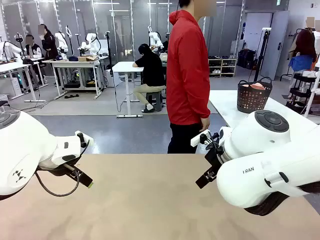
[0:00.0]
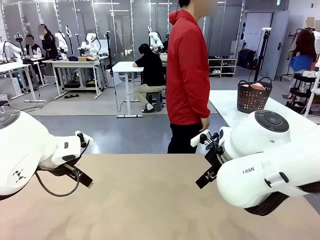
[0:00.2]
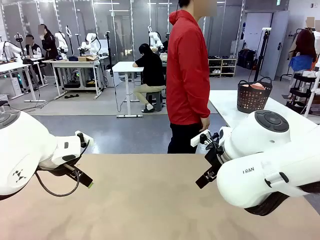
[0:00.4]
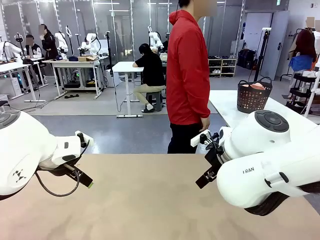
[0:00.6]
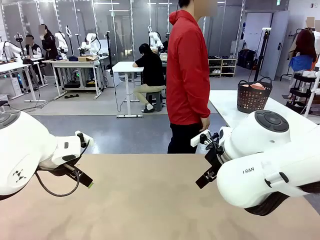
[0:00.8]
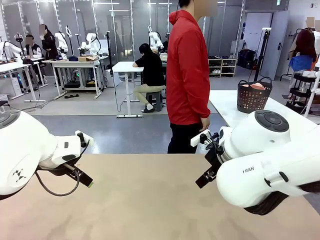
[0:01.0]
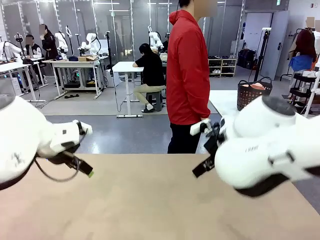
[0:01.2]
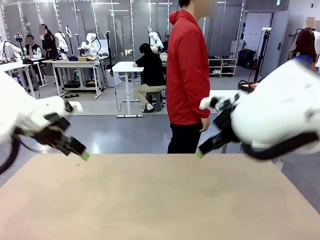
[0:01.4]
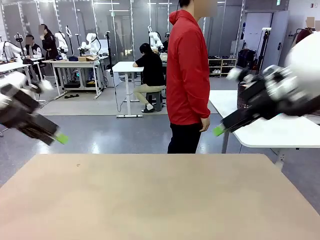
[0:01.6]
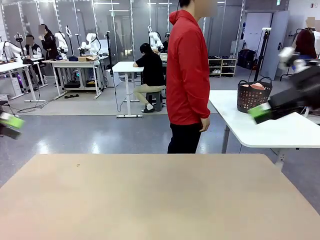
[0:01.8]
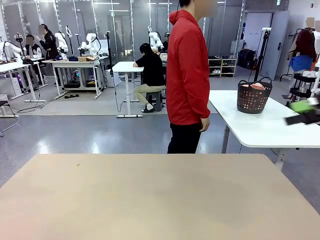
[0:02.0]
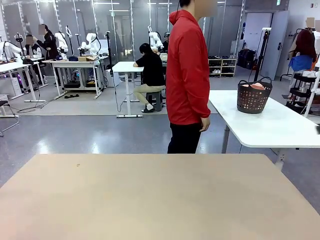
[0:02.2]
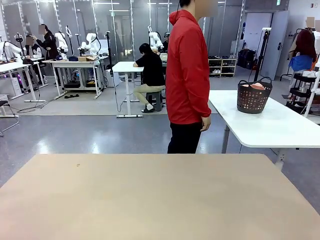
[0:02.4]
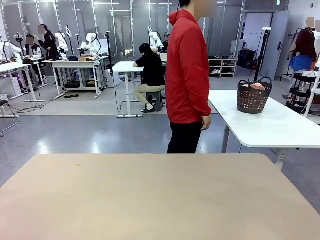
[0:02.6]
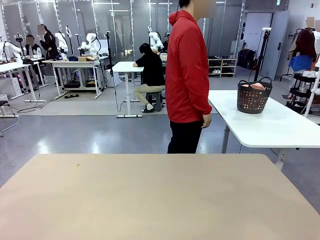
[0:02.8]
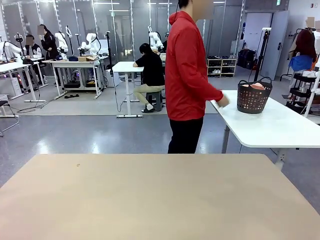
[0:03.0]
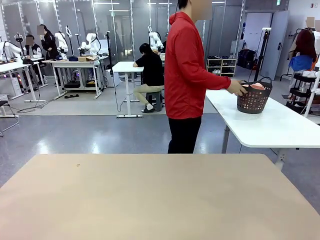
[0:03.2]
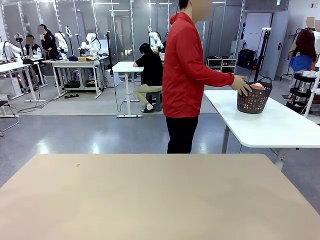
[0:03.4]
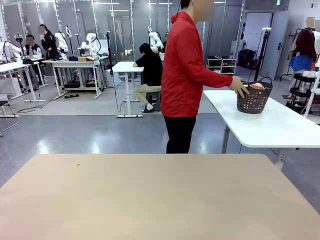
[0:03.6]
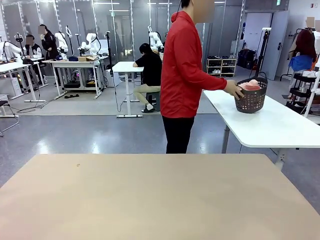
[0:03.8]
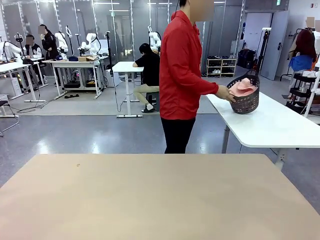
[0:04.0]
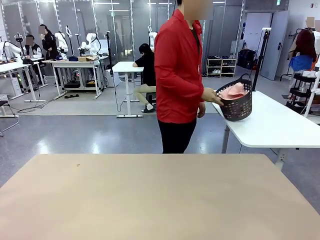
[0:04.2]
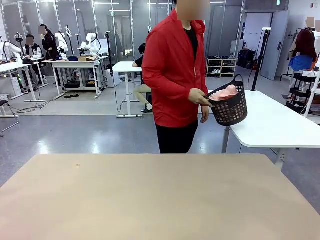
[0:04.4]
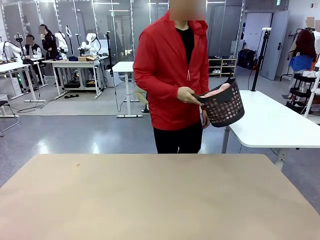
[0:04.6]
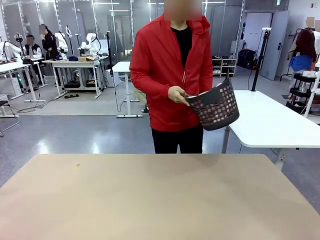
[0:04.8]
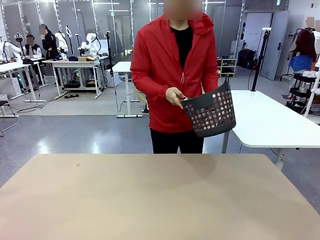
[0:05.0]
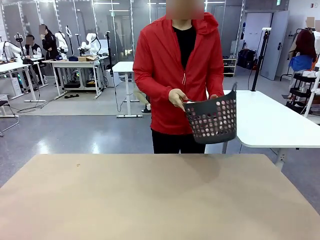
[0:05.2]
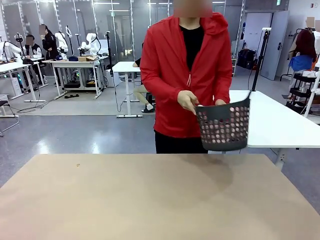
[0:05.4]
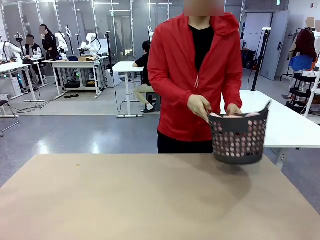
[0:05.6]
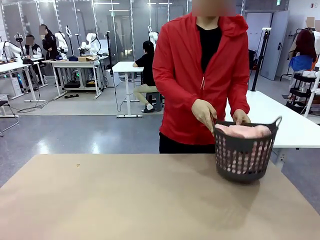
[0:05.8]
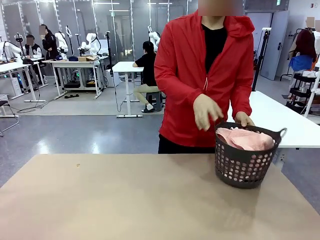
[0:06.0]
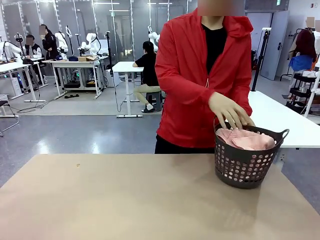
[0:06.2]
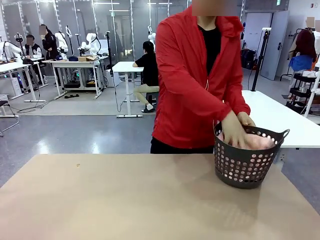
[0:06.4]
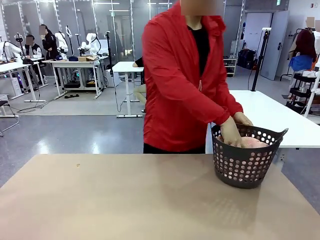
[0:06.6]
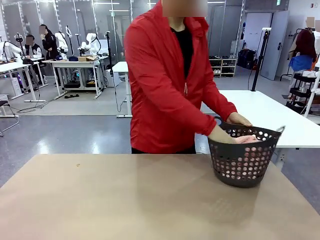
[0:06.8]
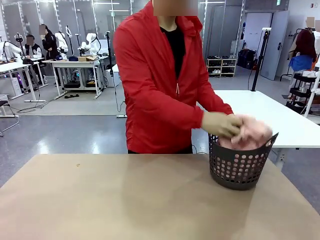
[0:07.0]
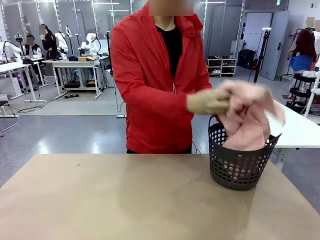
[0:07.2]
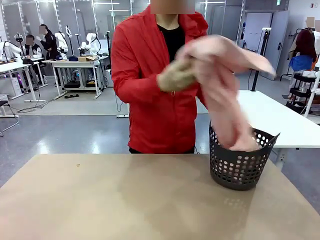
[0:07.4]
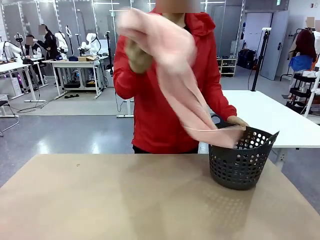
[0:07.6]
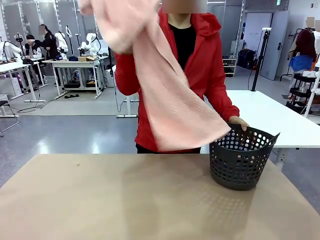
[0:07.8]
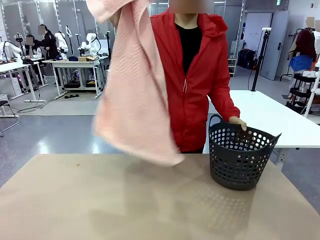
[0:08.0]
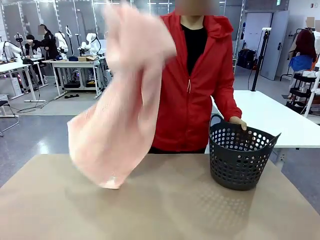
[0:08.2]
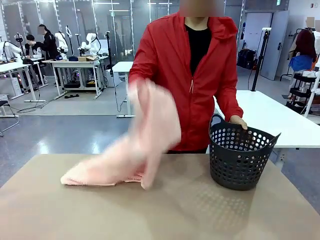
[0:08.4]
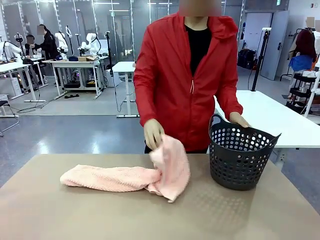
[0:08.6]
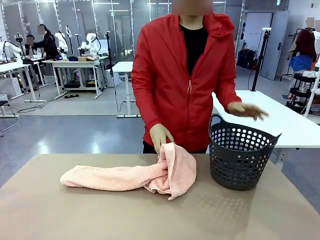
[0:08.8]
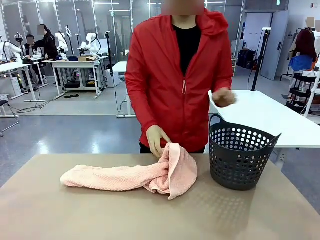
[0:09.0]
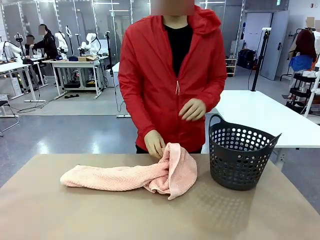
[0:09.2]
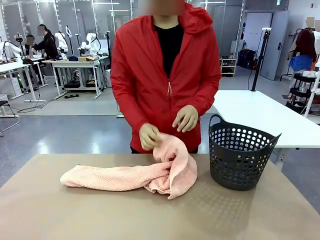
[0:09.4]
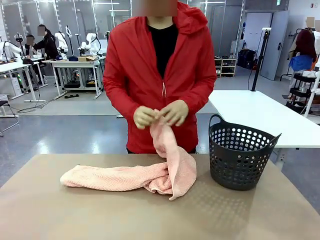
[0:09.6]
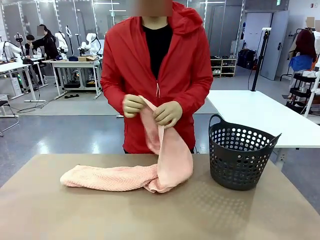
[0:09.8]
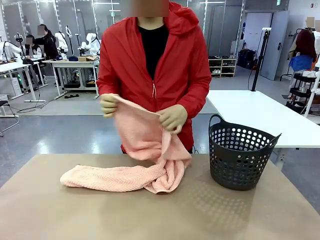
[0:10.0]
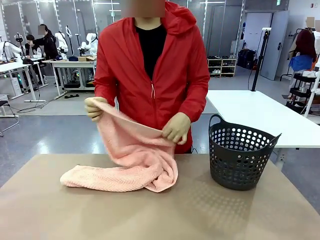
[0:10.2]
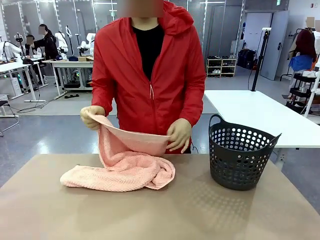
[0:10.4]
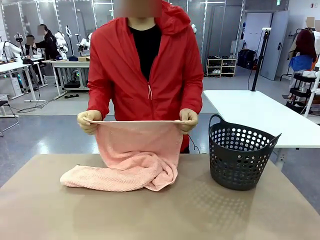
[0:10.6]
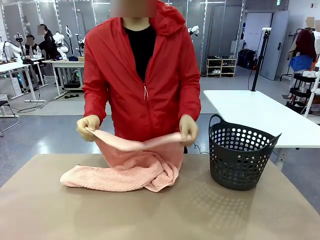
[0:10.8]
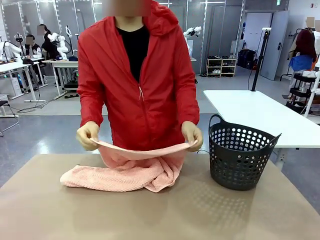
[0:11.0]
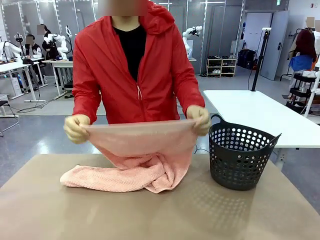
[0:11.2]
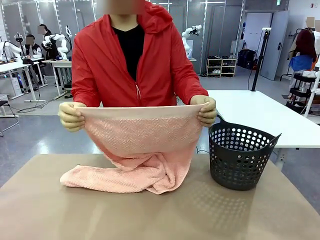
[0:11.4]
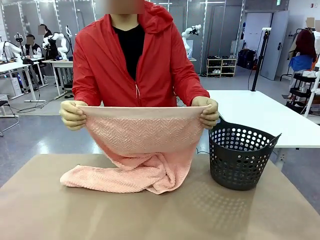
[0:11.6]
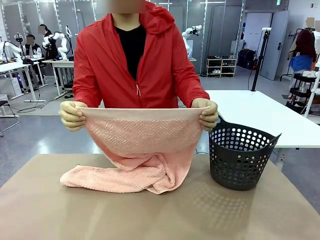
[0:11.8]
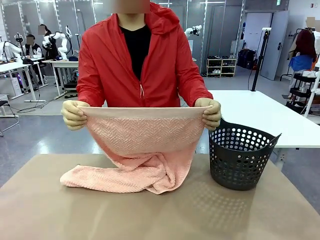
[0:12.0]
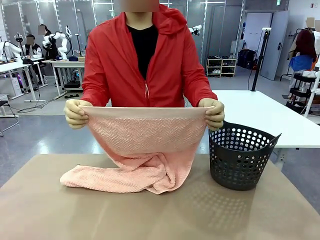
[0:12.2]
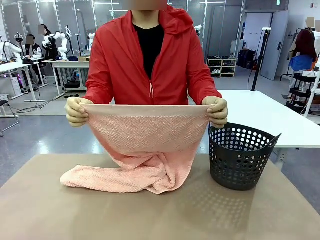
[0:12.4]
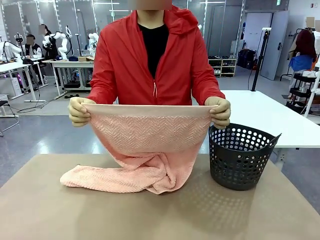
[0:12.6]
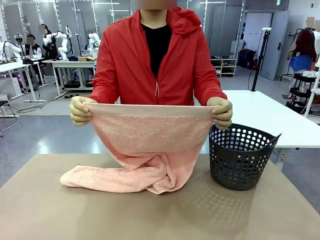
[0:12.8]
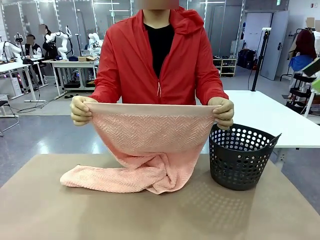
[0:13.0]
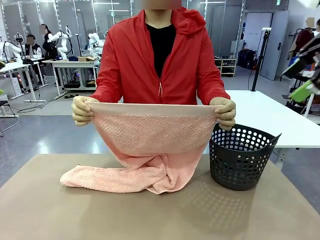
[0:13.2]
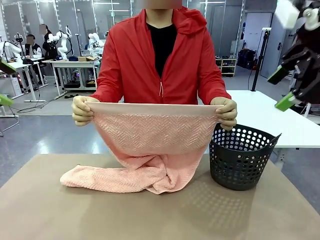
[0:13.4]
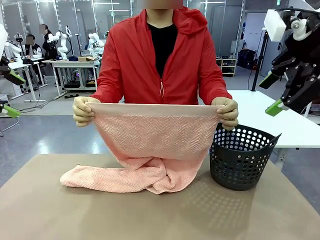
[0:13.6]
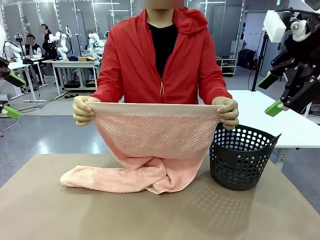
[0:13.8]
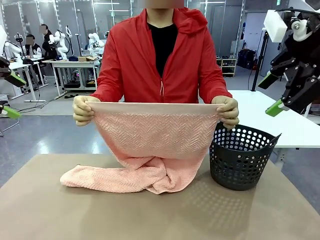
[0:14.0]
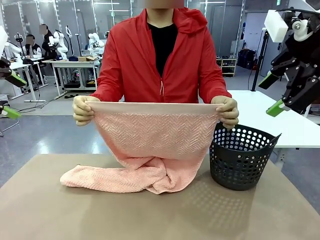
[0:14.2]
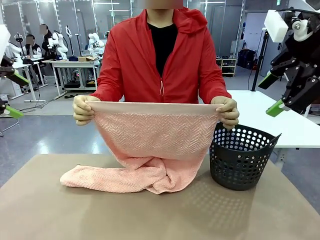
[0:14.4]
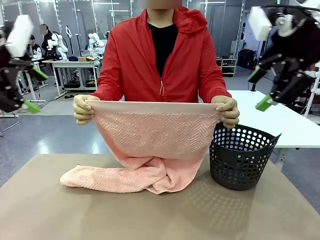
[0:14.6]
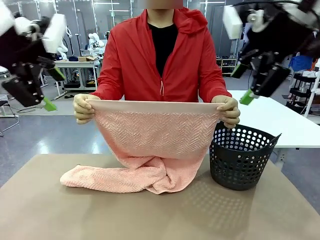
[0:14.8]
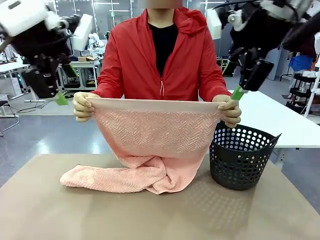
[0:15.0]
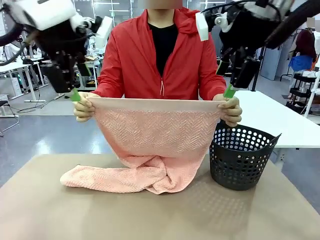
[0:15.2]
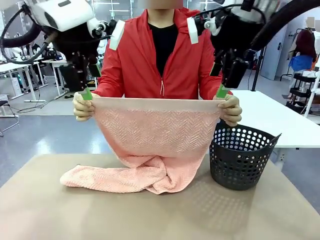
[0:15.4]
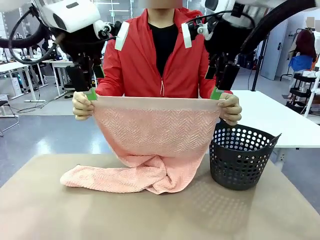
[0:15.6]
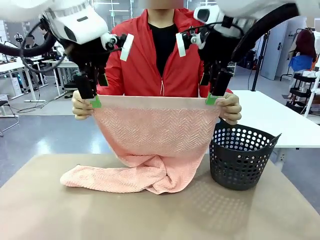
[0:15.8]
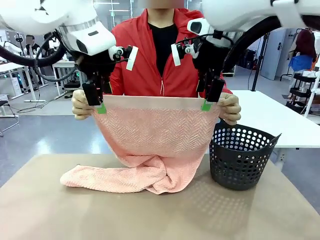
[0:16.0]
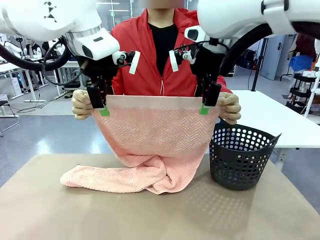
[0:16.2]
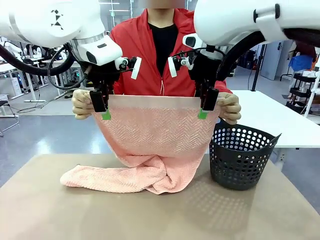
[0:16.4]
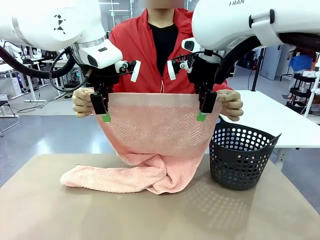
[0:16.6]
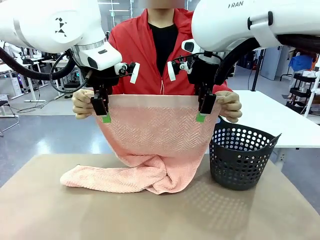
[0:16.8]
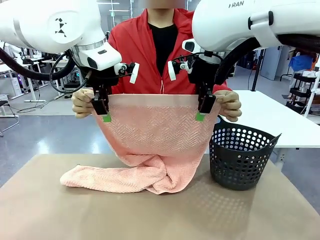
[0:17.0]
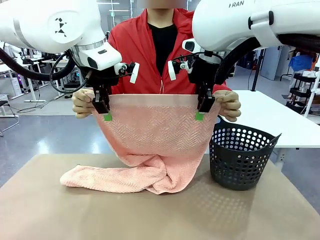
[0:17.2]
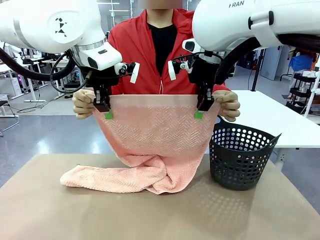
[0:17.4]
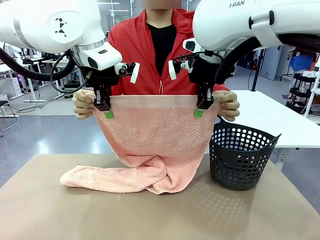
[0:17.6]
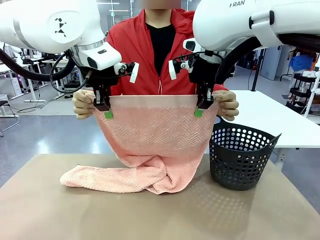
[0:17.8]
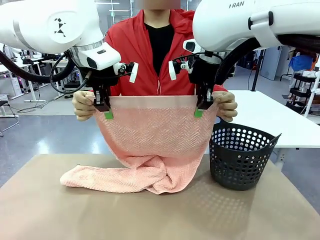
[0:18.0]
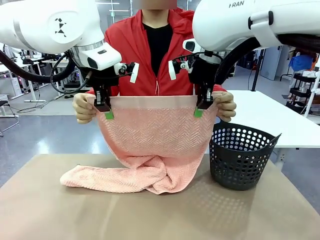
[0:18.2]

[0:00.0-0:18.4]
Task: Fold the towel.
Robot: Grab the top end of the 100 cm Hotel Towel extended by the human.
Person: Pick up the laundry basket, place it on the left side of the robot table, then take out a towel and hand it to the robot while holding both corners of one end.
